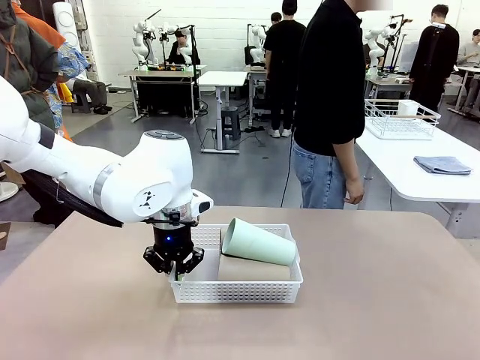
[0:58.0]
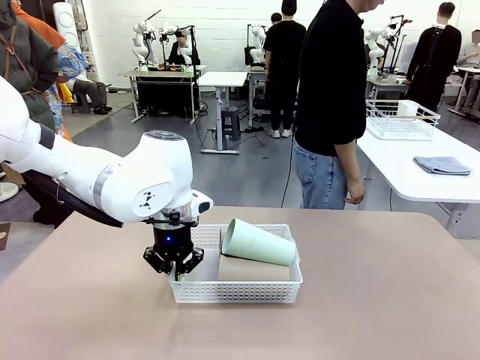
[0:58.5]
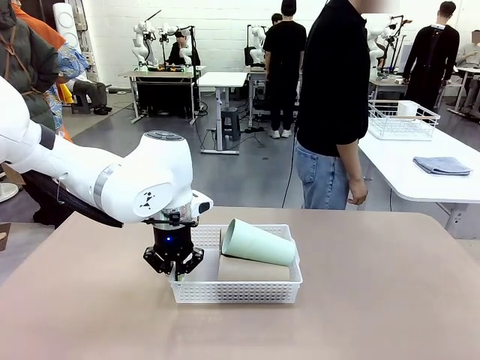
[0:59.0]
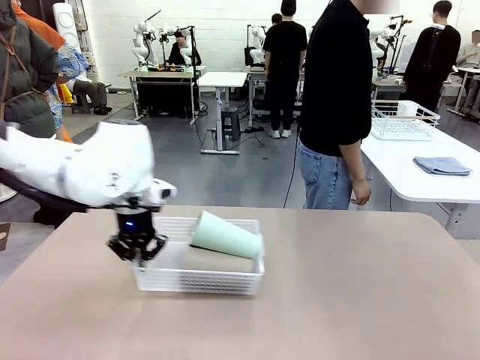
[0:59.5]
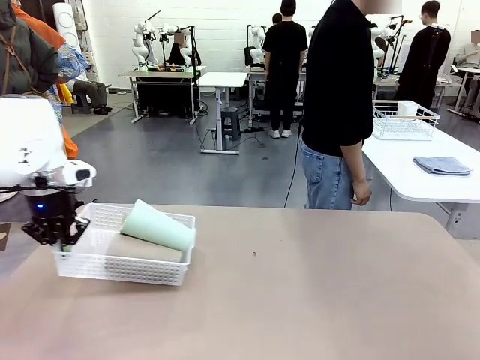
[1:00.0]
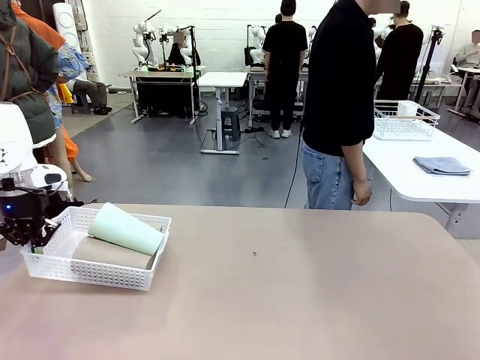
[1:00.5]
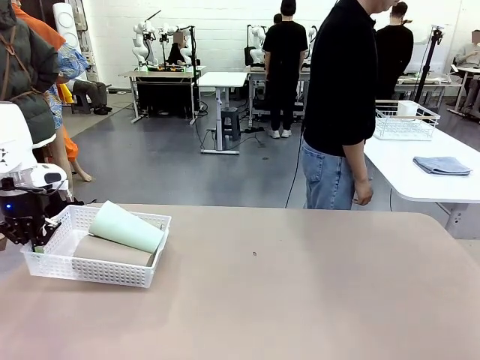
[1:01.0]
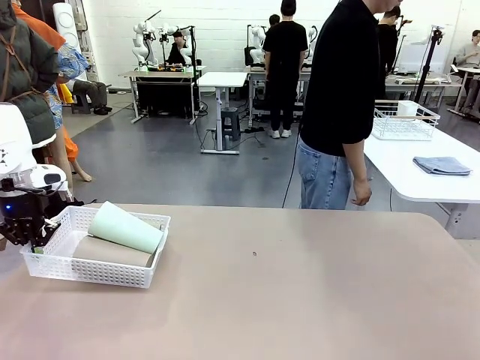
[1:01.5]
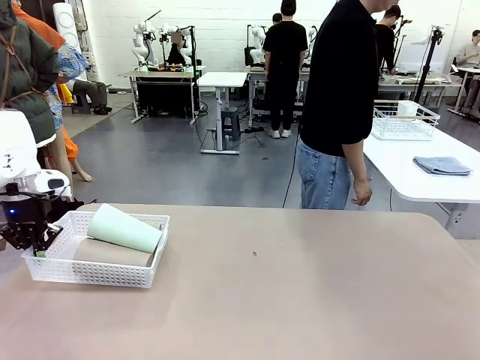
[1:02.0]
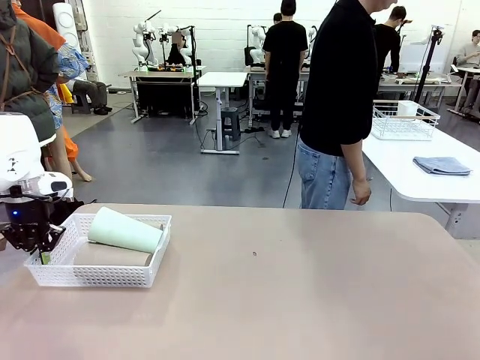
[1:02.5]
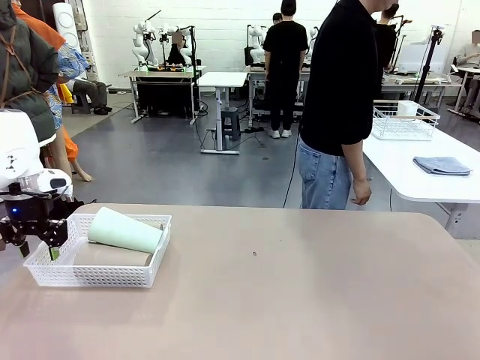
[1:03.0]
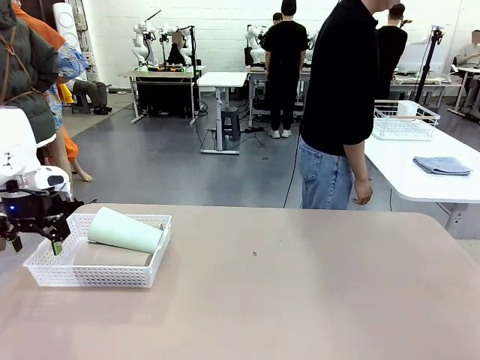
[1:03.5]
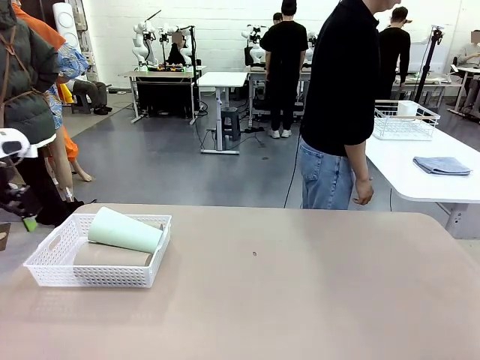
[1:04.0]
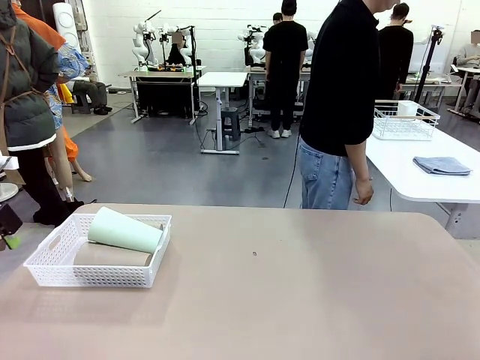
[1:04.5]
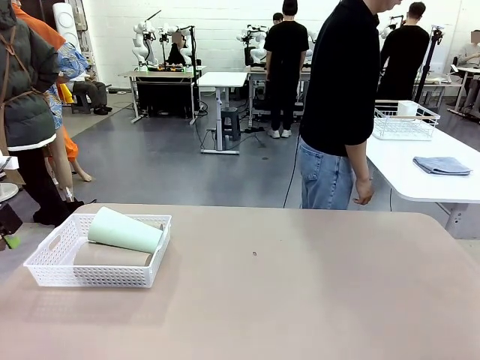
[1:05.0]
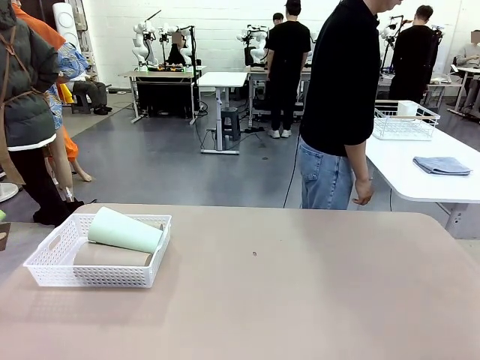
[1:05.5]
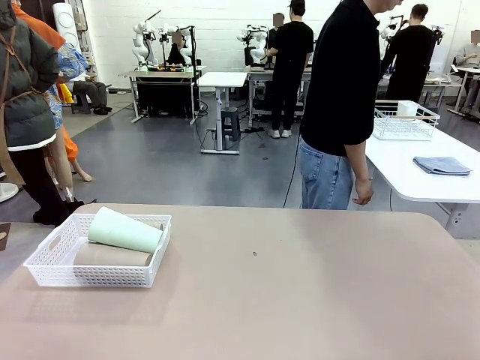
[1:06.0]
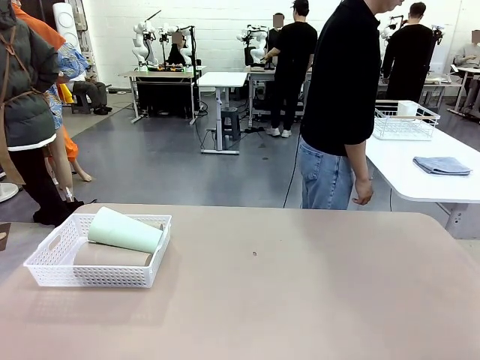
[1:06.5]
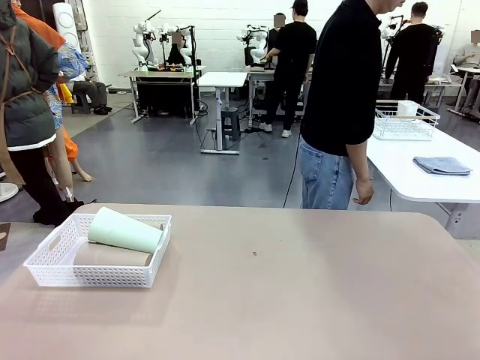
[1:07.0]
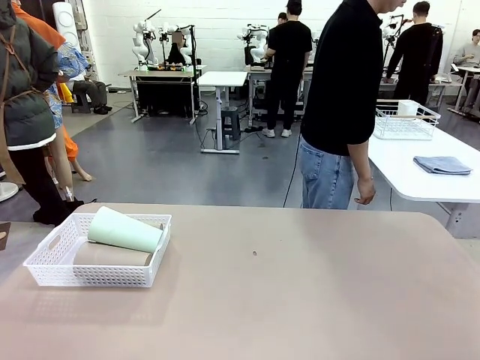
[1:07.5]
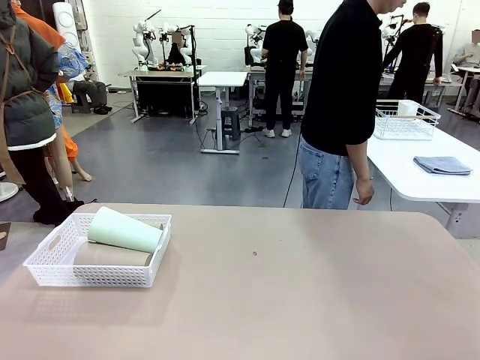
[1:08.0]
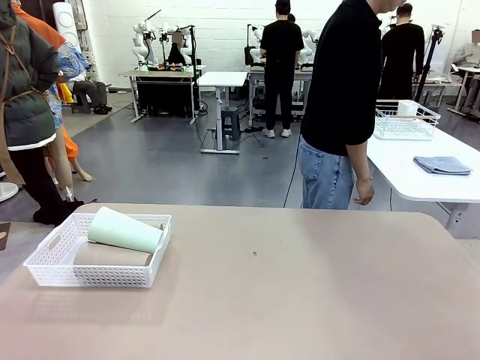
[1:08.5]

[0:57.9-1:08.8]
Task: Clean and organize the cups into the basket.
Robot: Move the Organizing basket back to the left side of the table.

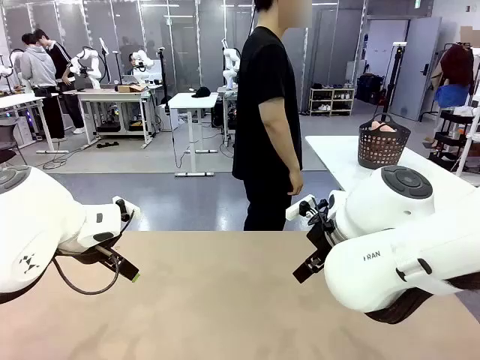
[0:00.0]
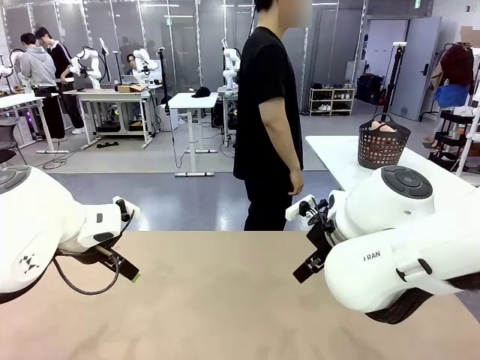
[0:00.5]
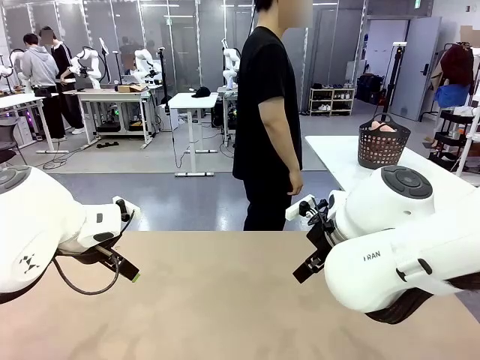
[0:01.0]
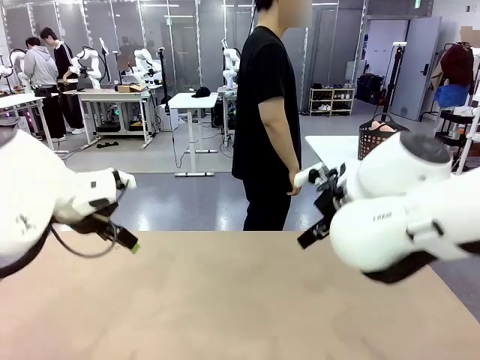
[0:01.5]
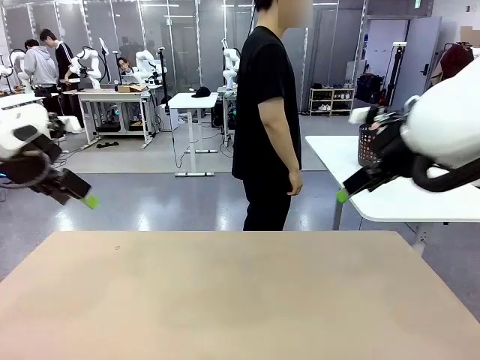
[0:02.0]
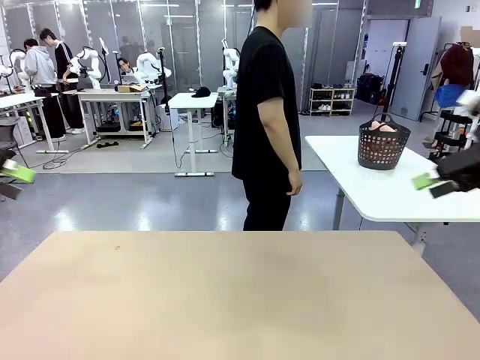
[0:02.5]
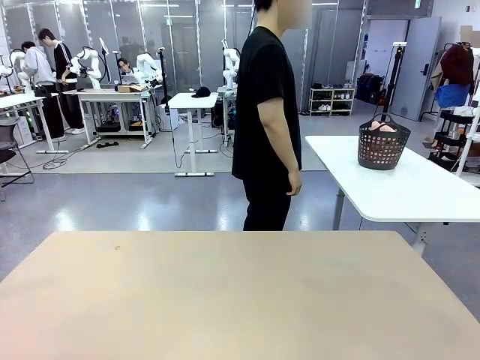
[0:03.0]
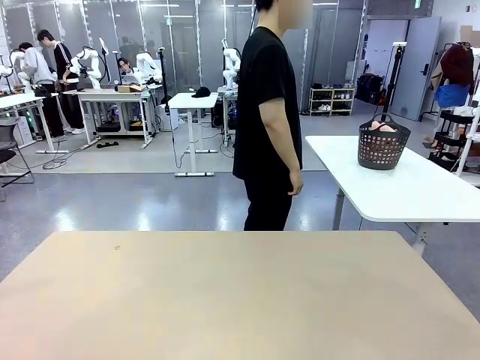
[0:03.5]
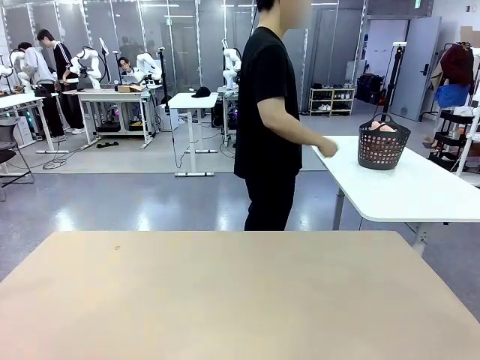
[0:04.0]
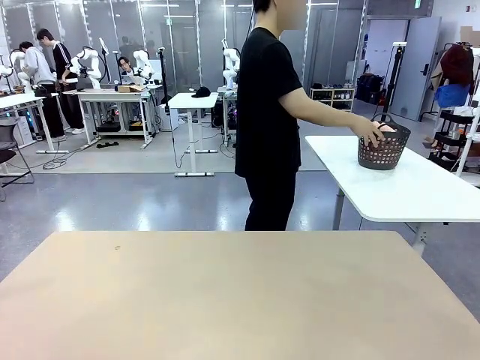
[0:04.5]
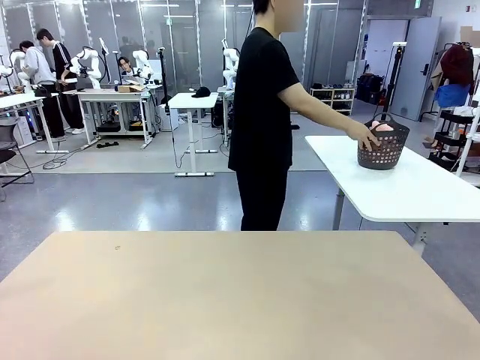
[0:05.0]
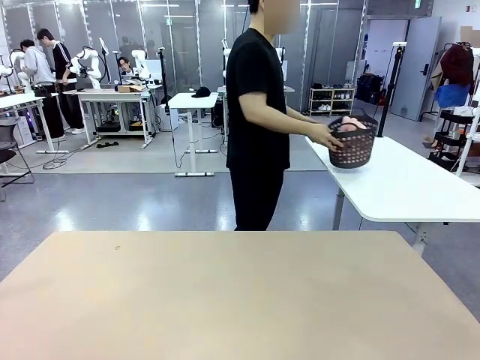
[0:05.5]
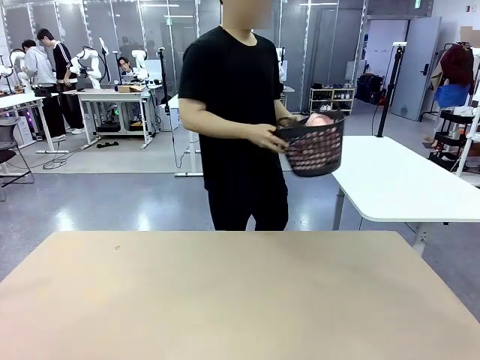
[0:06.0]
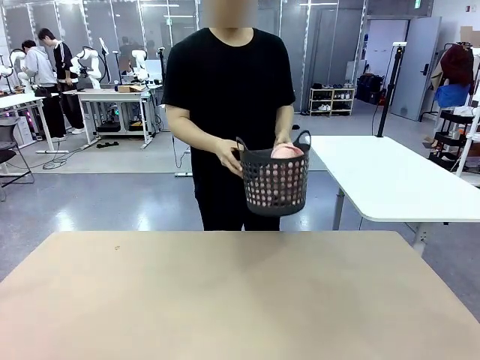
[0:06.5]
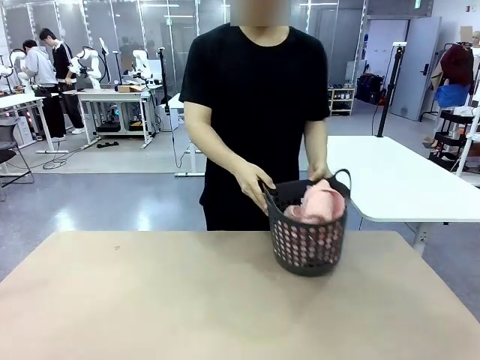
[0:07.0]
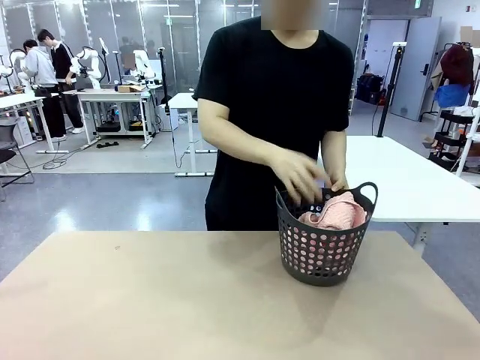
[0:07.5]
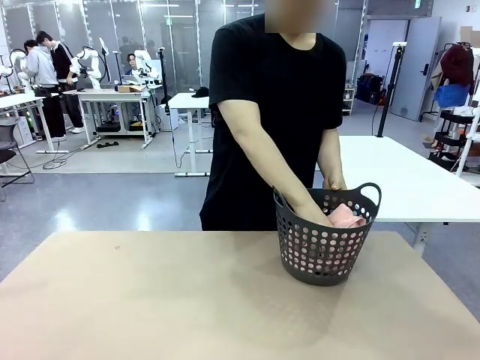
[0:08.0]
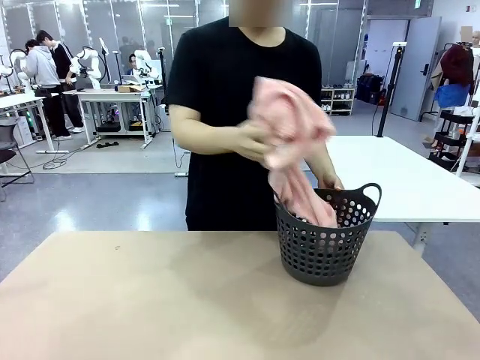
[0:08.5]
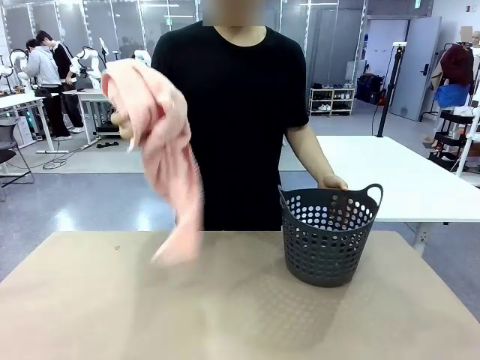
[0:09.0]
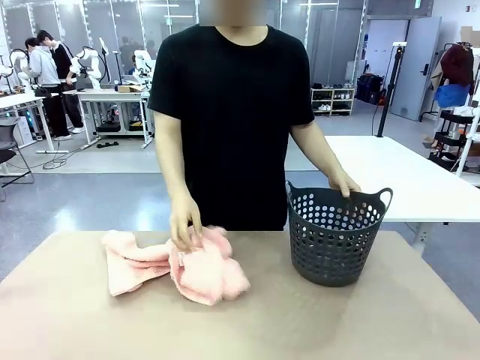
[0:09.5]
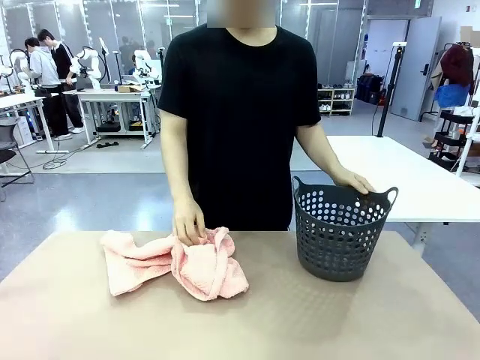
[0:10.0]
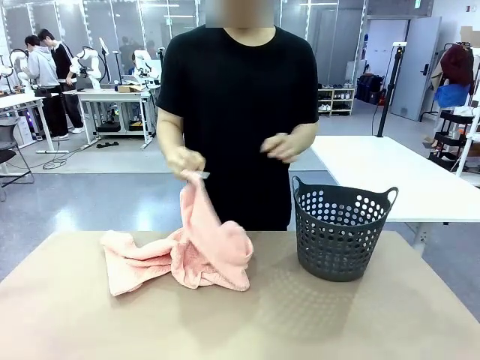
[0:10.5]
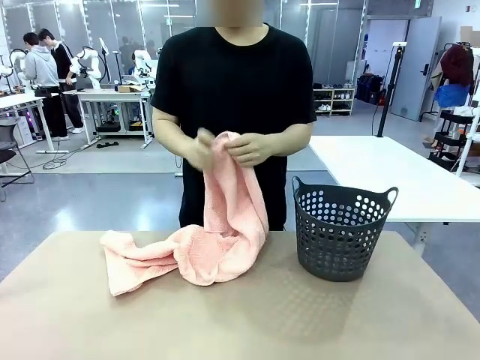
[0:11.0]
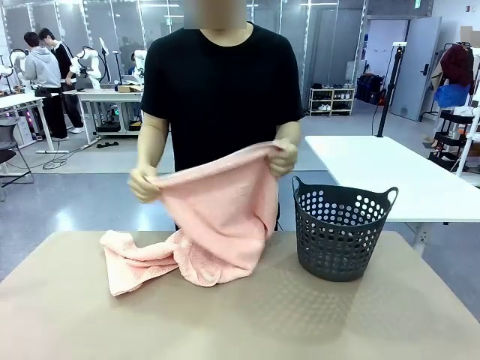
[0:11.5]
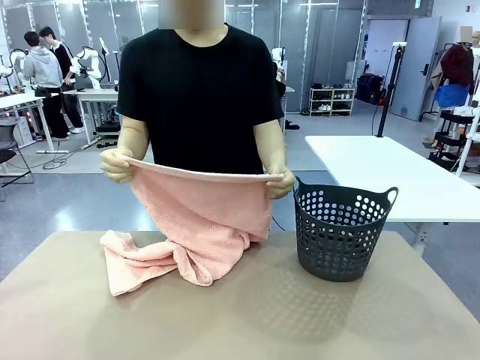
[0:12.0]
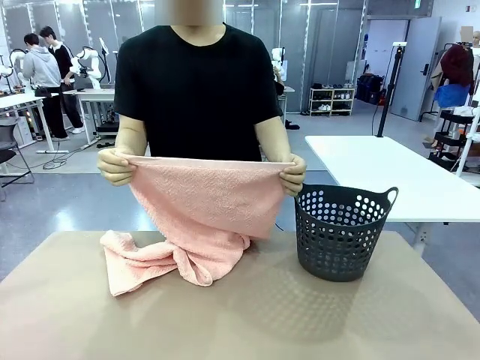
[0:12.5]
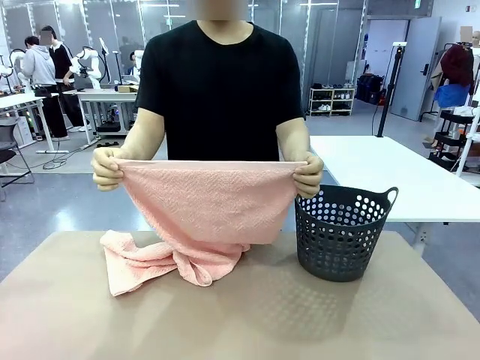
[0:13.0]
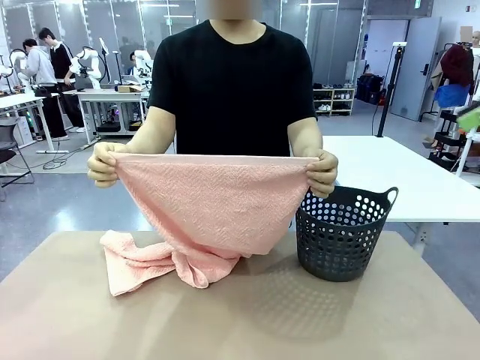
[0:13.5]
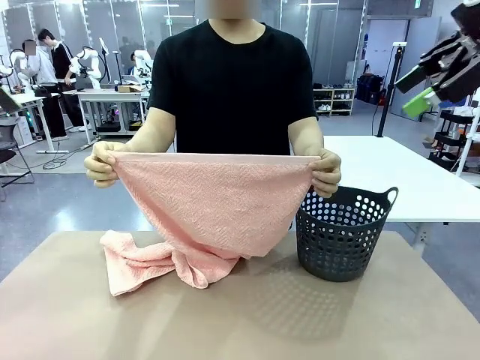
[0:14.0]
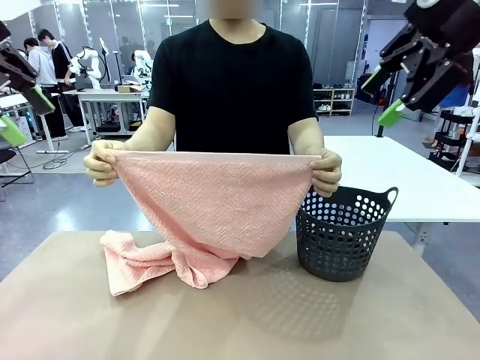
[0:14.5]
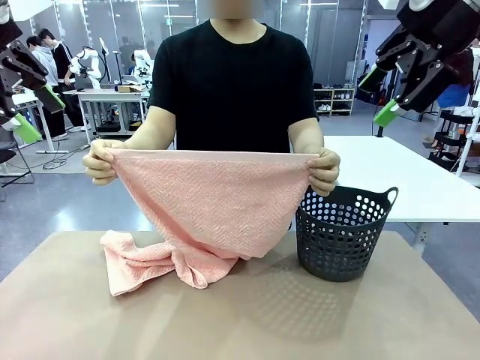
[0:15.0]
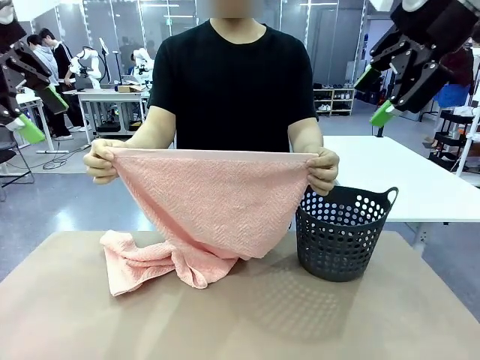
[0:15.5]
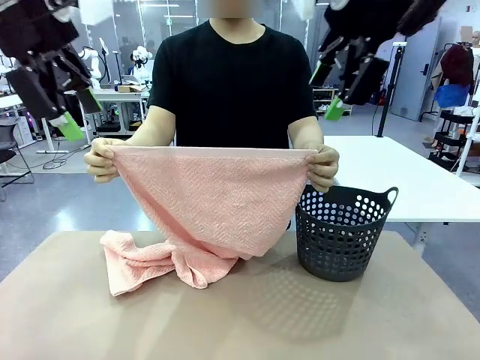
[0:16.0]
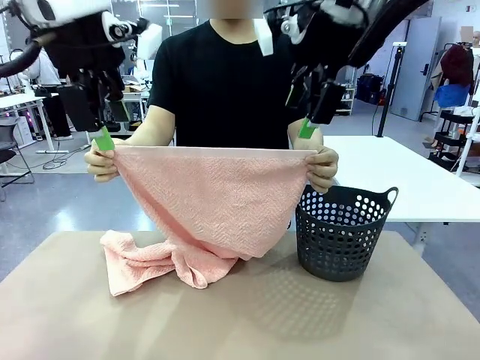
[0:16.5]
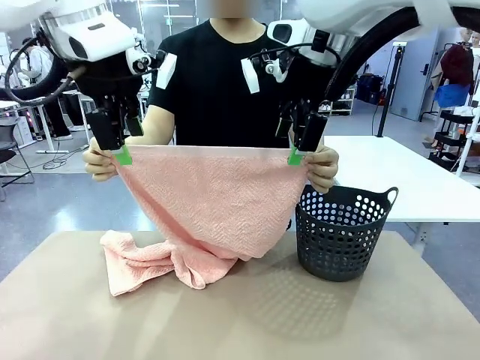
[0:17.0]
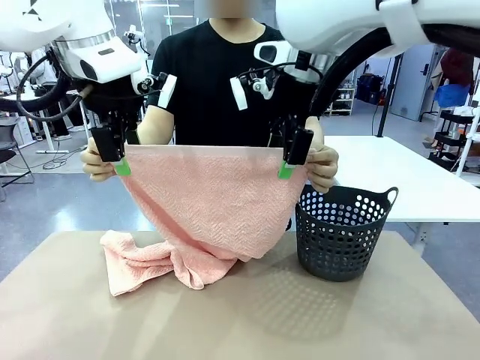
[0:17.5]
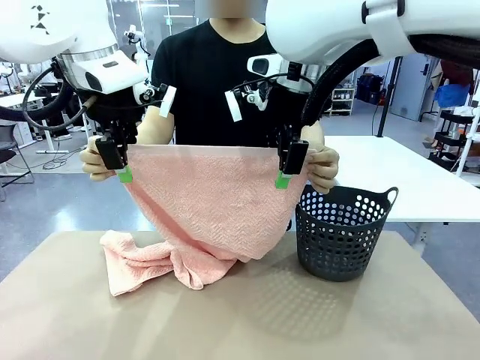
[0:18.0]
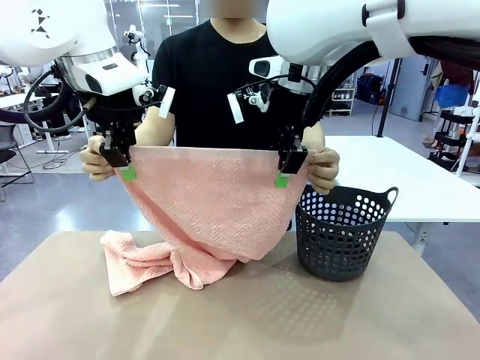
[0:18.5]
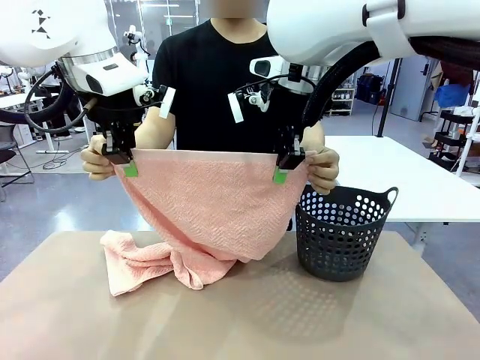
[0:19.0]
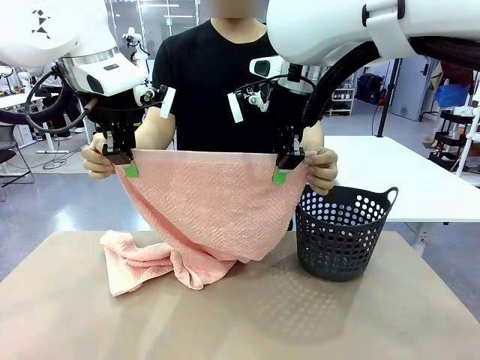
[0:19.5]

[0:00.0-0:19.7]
Task: Fold the towel.
Robot: Grab the top end of the 100 cm Hotel Towel extended by the human.
Person: Pick up the laundry basket, place it on the left side of the robot table, then take out a towel and hand it to the robot while holding both corners of one end.
